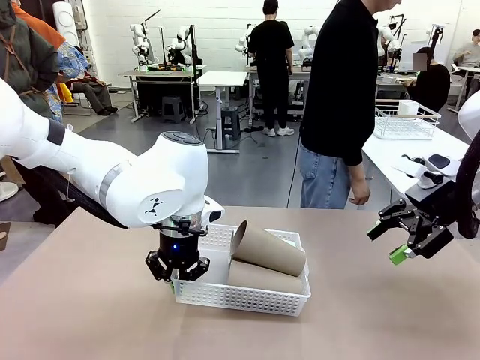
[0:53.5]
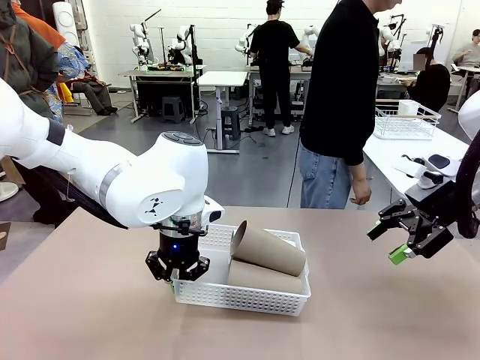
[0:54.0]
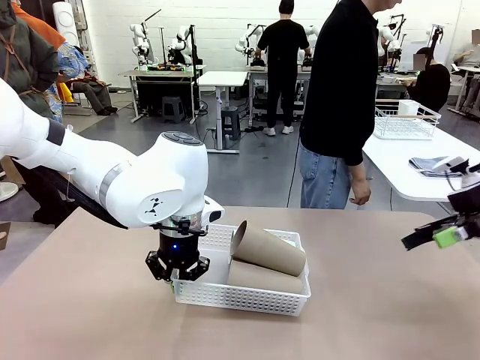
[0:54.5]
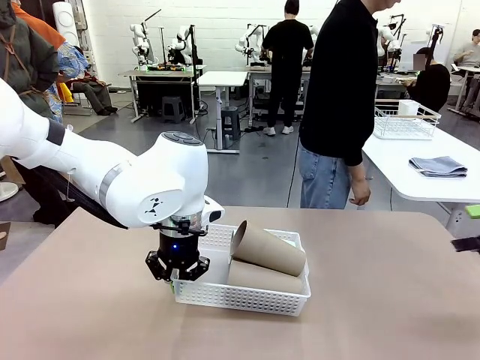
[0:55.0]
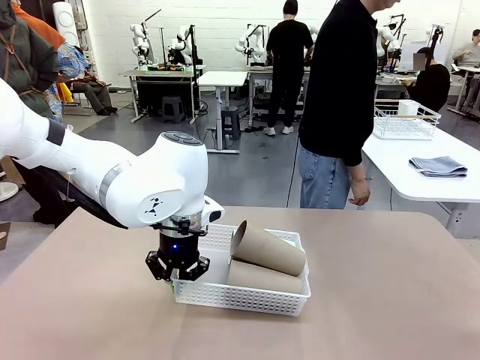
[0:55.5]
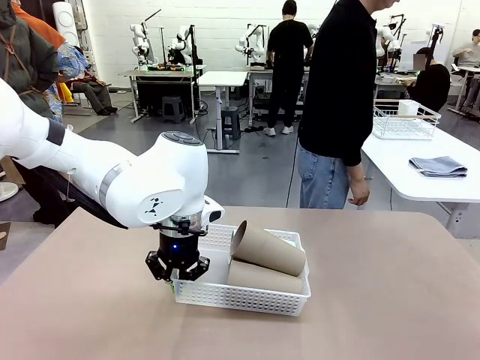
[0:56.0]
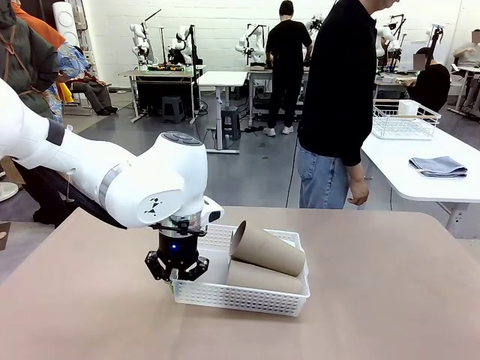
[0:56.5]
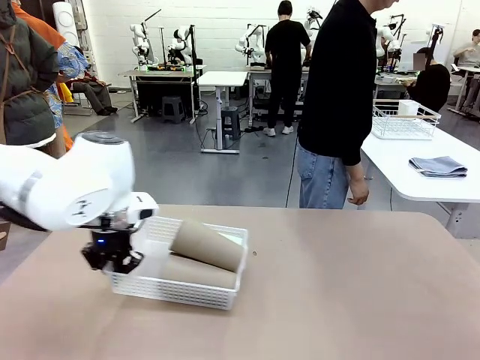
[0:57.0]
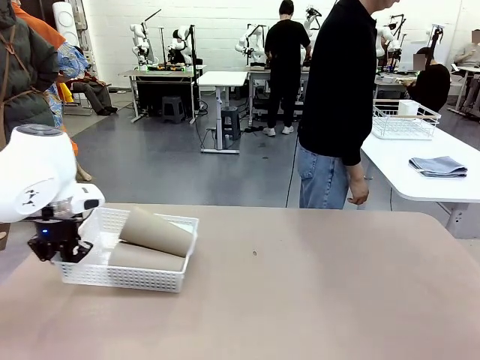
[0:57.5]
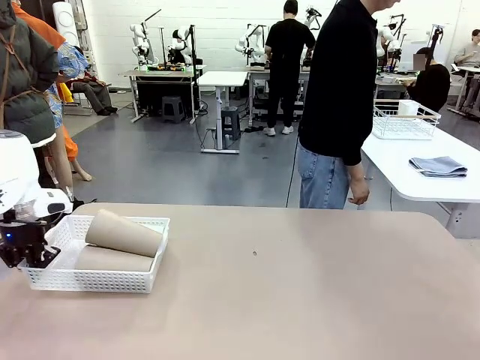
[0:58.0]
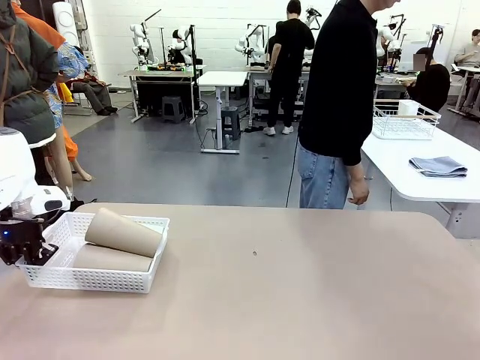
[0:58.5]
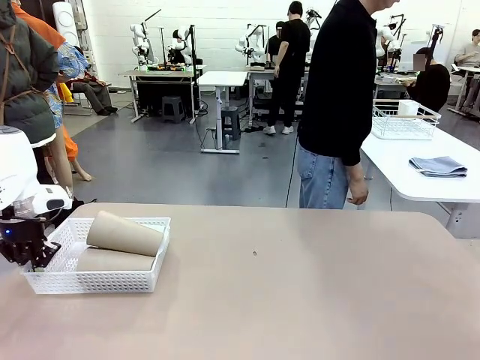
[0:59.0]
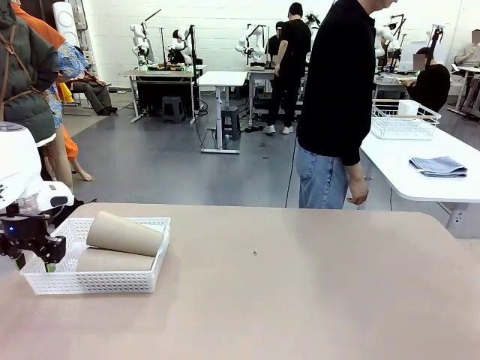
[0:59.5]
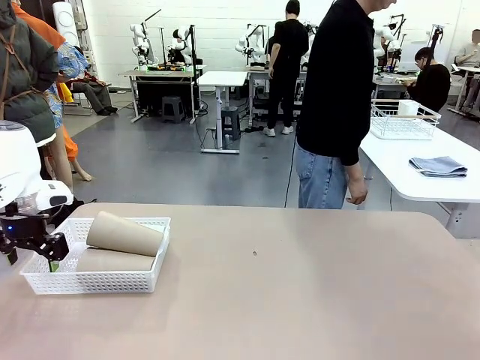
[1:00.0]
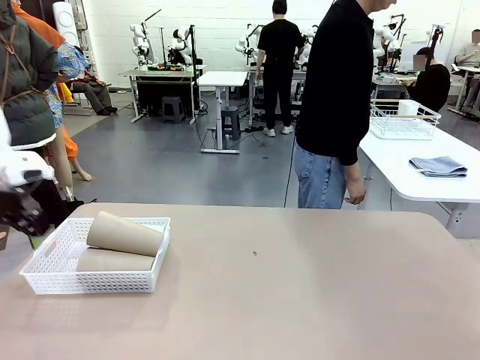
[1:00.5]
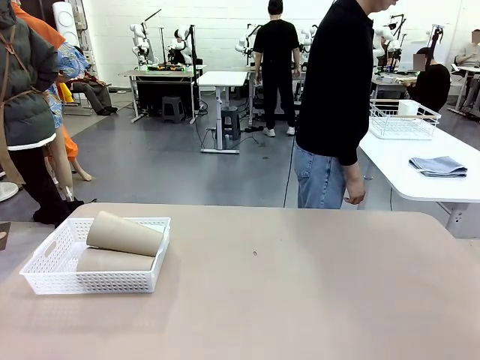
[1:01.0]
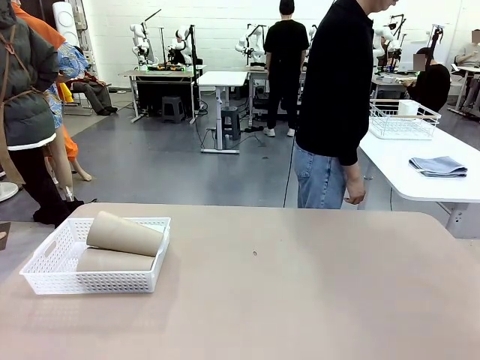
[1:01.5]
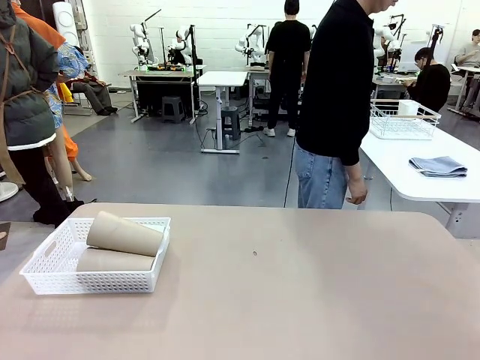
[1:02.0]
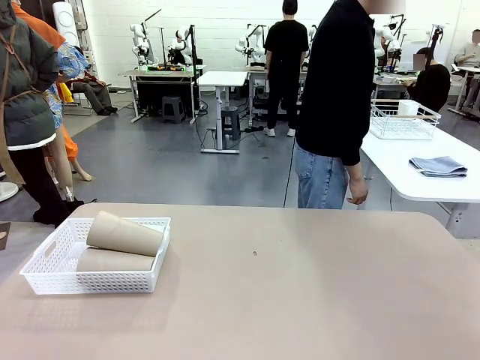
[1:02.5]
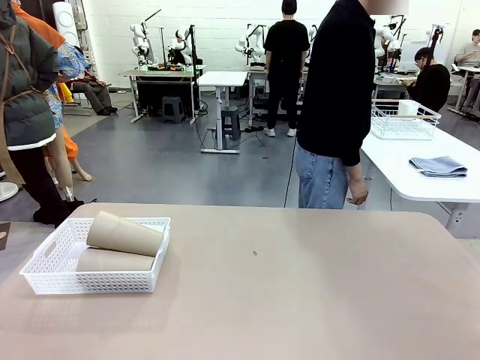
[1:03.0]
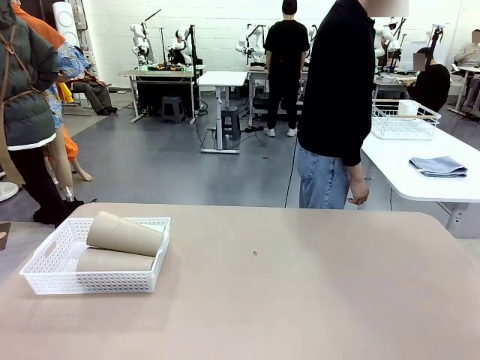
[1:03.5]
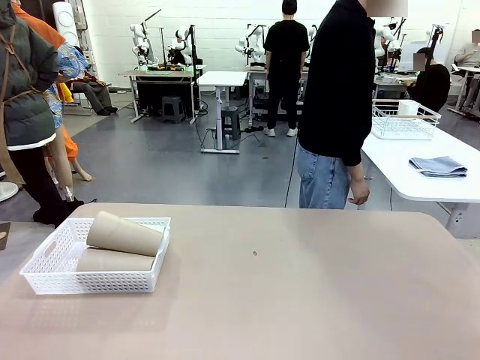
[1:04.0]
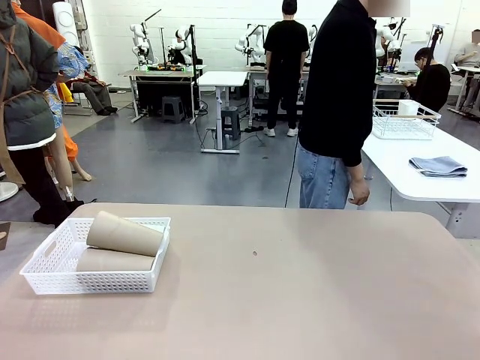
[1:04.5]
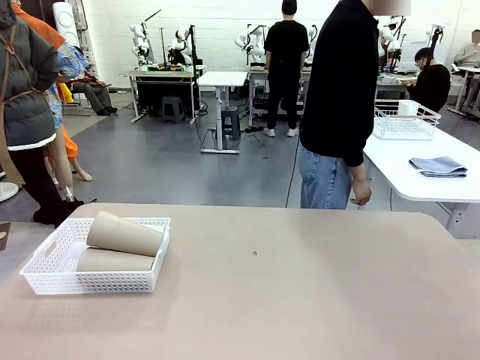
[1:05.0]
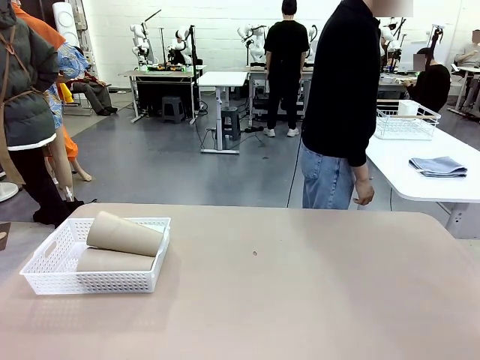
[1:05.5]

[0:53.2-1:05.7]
Task: Clean and organize the cups into the basket.
Robot: Move the Organizing basket back to the left side of the table.
Person: Folds the towel in half twice and places it in the right of the table.

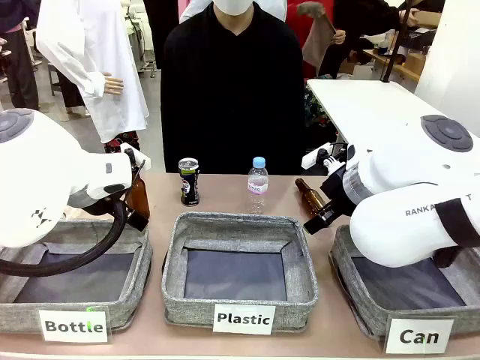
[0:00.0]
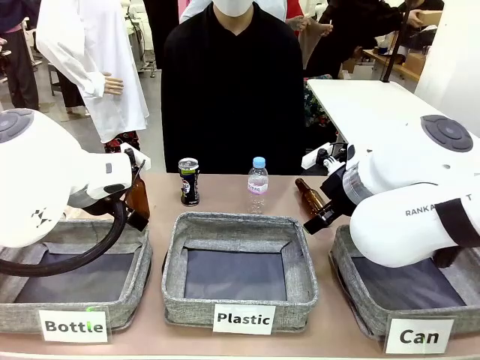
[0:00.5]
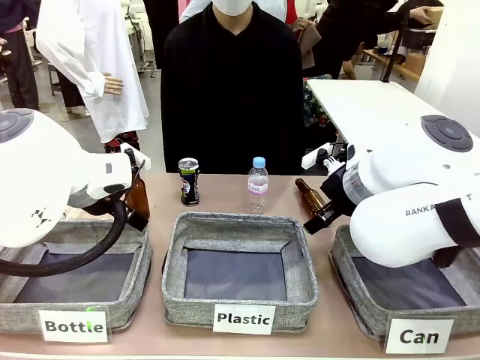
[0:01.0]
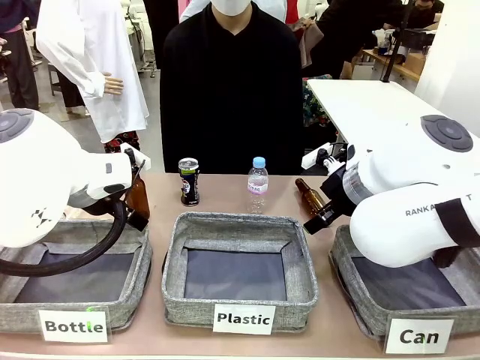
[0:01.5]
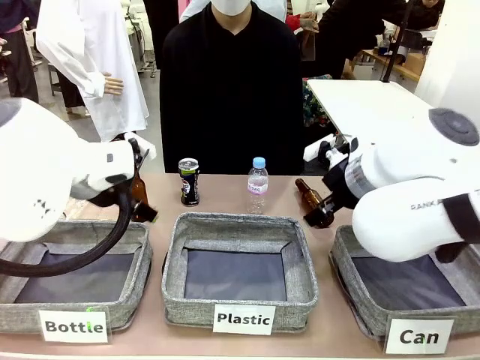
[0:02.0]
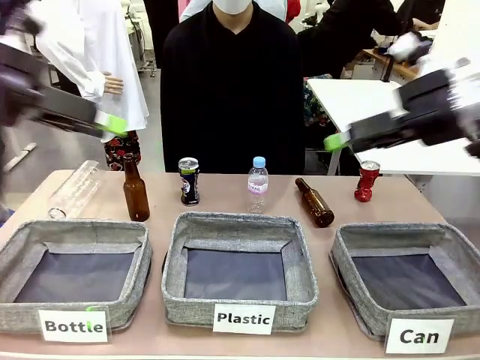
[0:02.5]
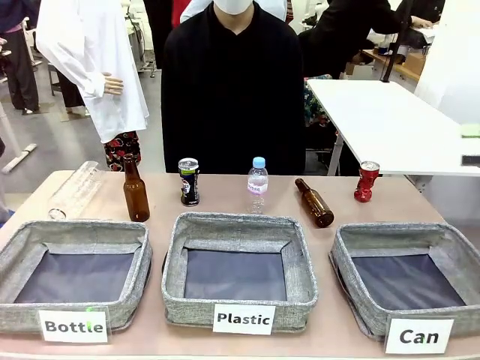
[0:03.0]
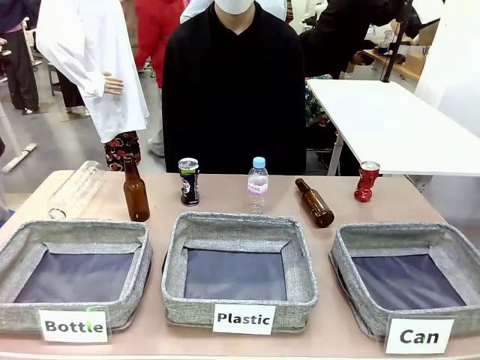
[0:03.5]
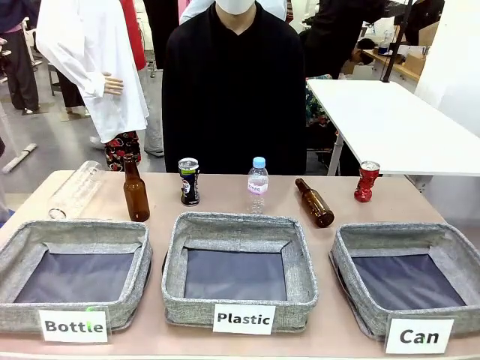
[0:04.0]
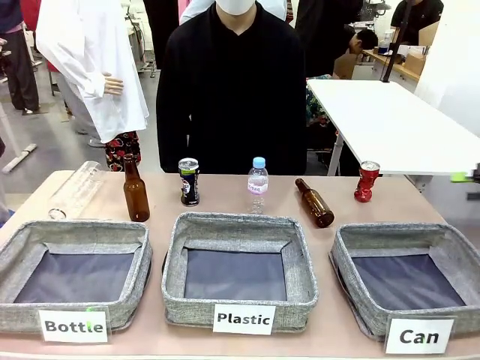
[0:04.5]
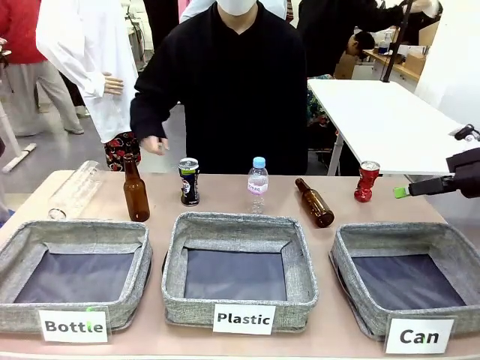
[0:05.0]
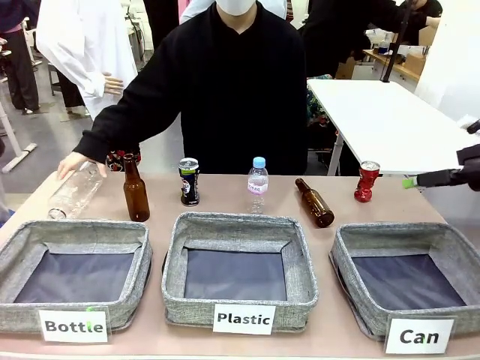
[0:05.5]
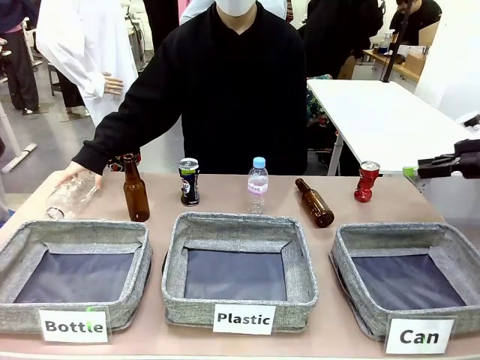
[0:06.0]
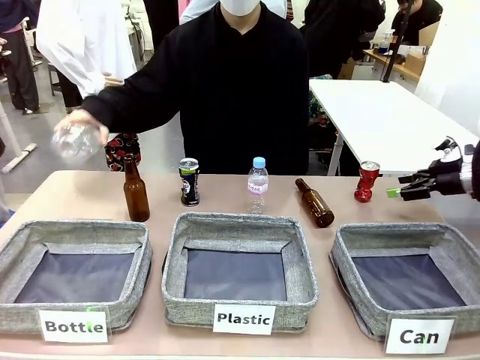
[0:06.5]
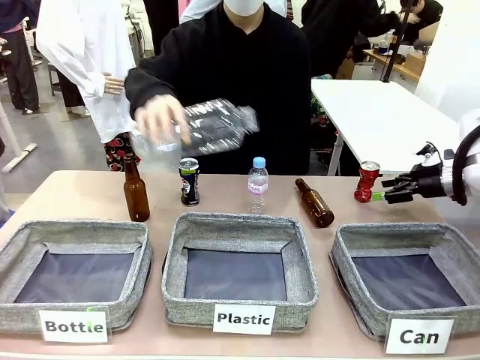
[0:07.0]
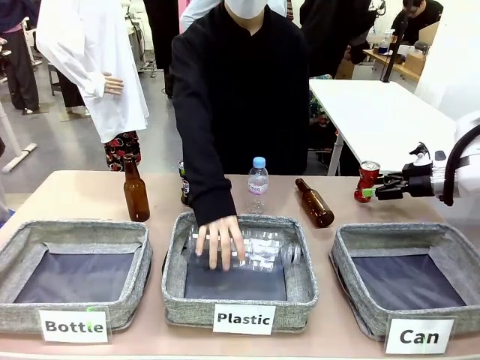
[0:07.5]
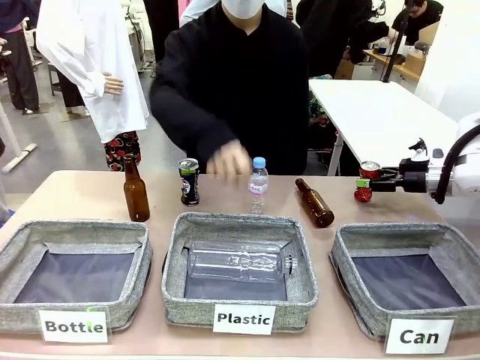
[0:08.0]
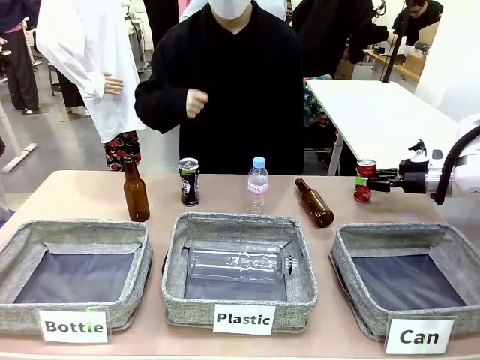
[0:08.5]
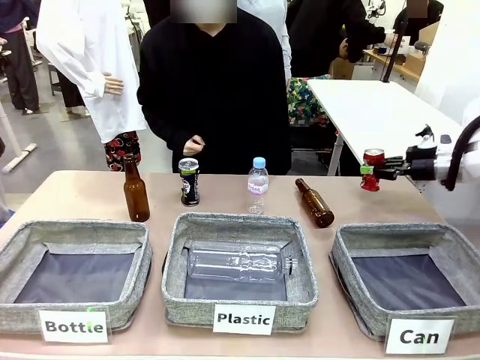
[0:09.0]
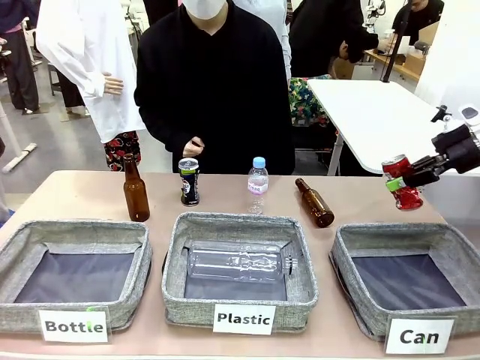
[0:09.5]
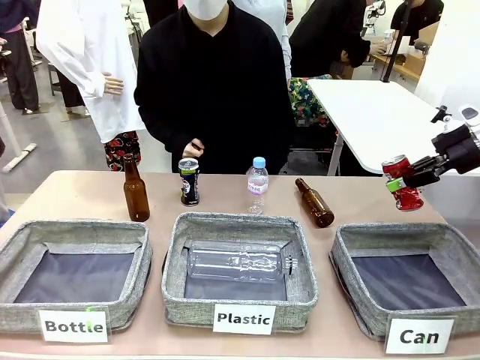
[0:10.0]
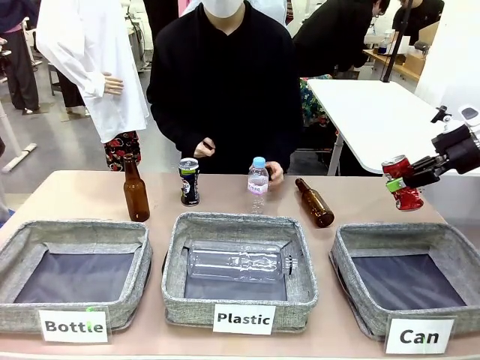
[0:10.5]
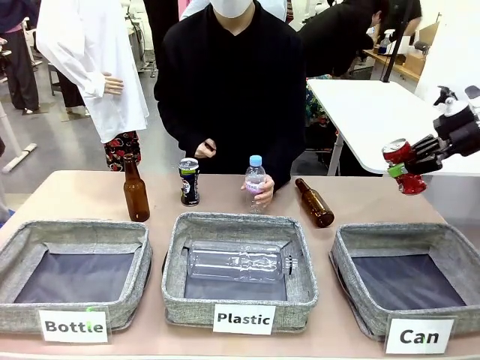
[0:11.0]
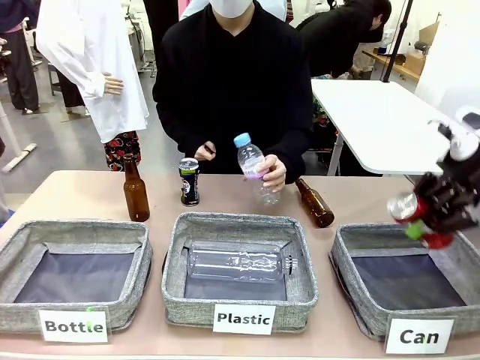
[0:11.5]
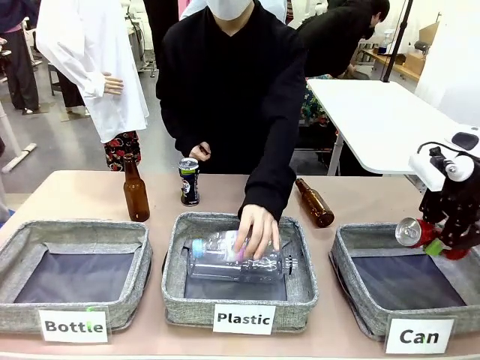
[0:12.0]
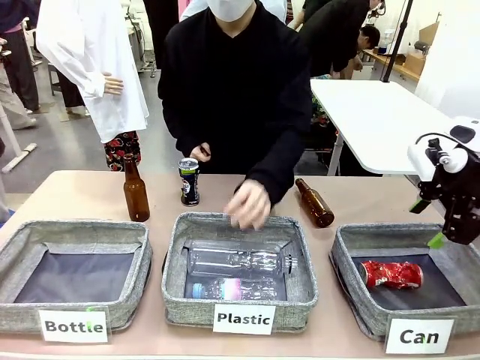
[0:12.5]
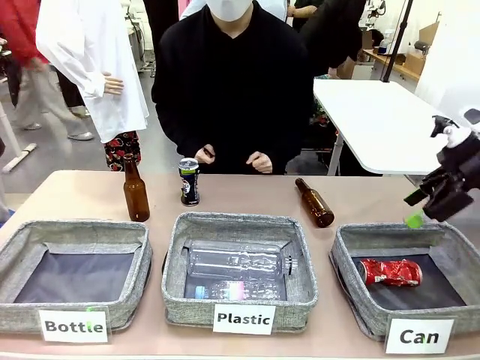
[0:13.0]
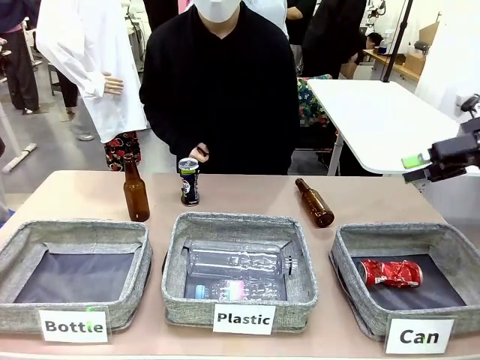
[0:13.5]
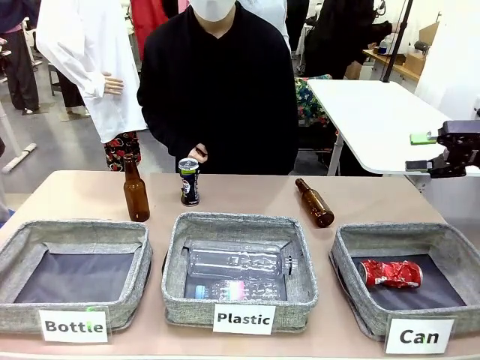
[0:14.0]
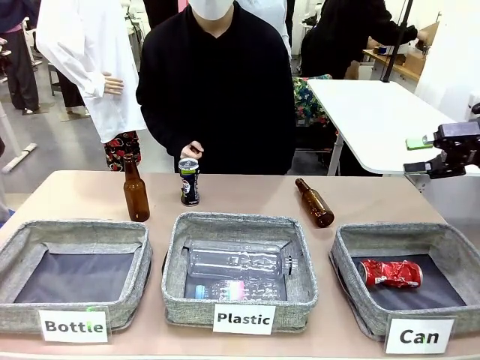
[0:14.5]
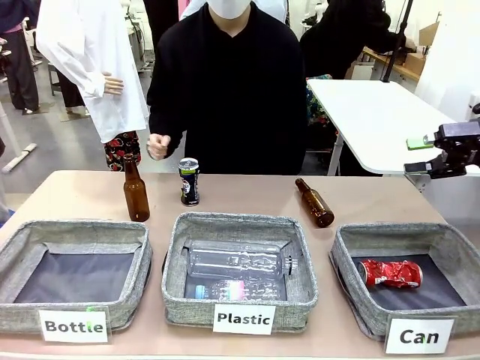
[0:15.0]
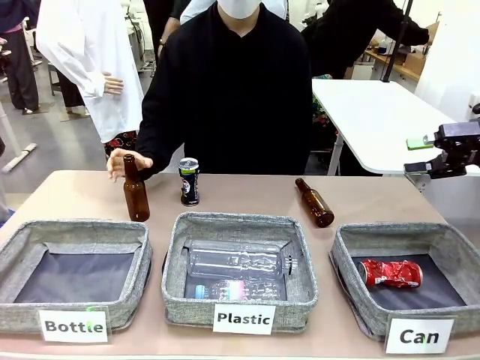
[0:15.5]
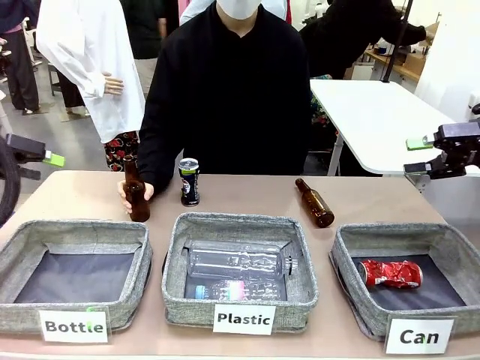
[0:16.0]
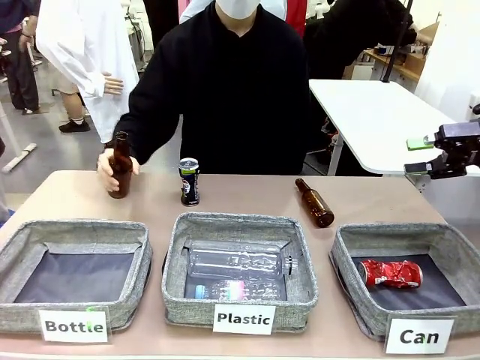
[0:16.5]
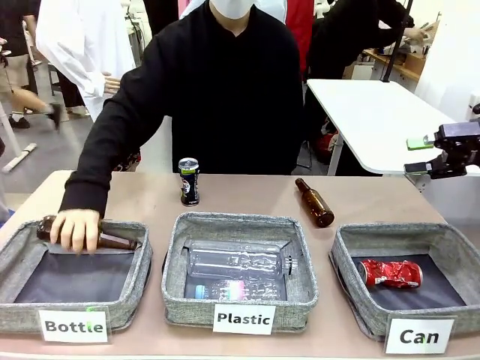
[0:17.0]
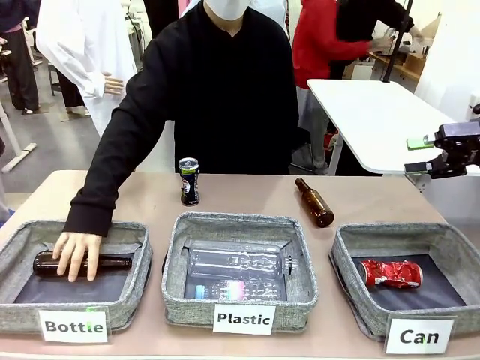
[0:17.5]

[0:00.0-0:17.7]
Task: Sort the can waste into the basket.
Robot: Pick up the can waste from the table and place it in the right Fabric basket.
